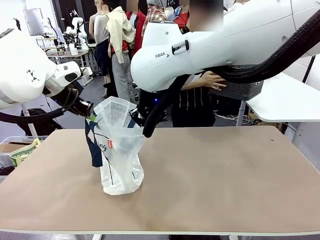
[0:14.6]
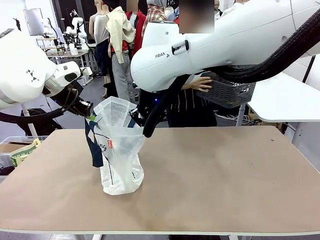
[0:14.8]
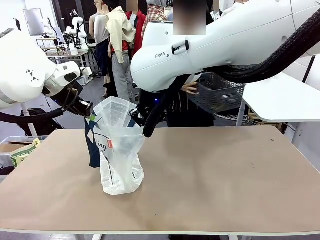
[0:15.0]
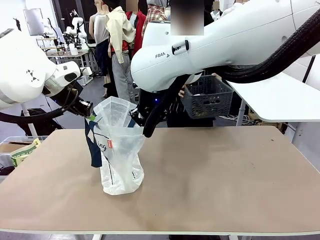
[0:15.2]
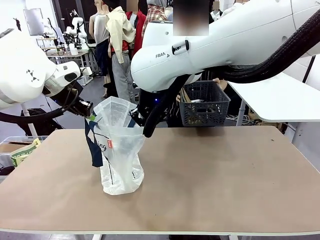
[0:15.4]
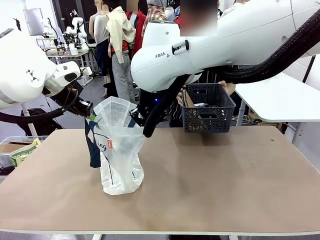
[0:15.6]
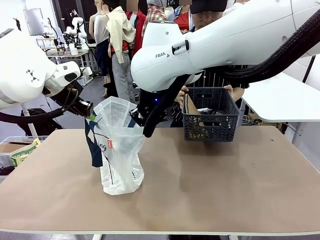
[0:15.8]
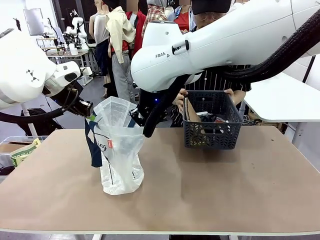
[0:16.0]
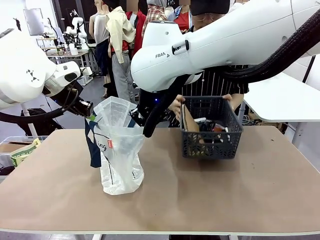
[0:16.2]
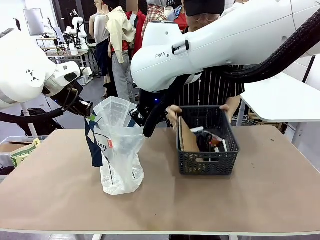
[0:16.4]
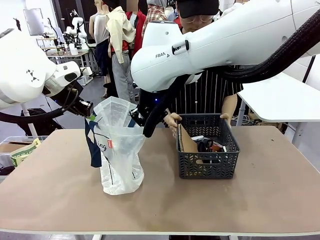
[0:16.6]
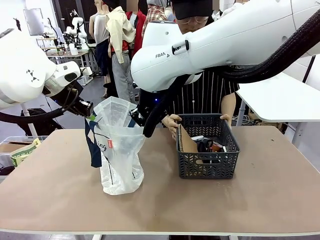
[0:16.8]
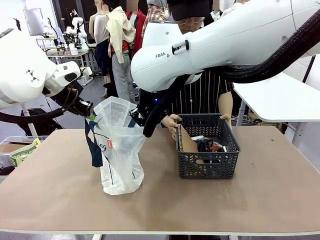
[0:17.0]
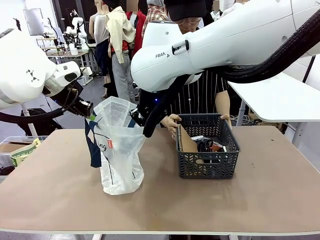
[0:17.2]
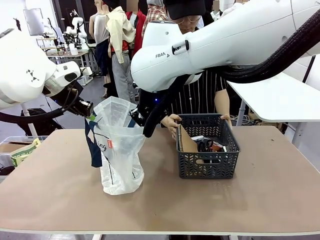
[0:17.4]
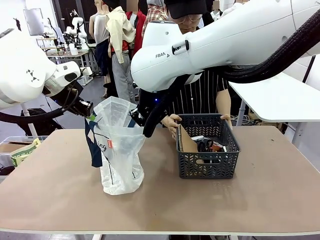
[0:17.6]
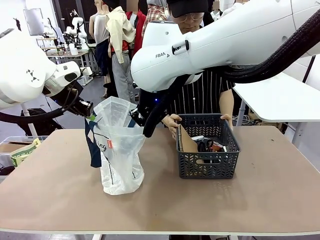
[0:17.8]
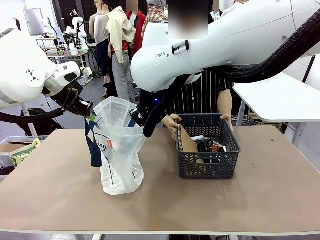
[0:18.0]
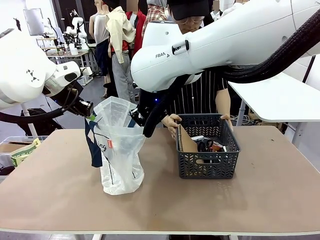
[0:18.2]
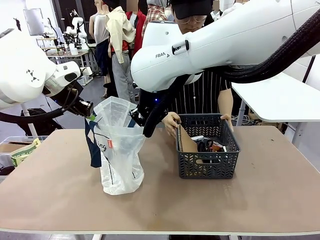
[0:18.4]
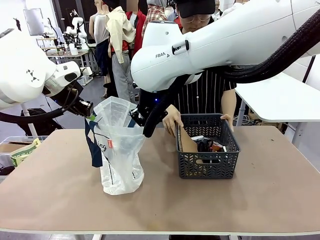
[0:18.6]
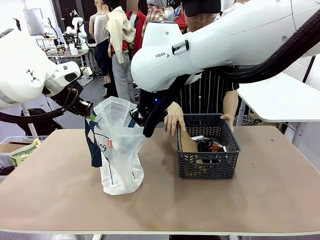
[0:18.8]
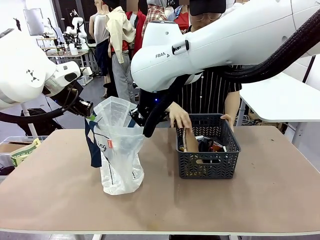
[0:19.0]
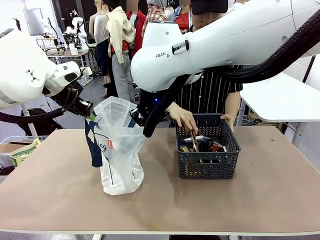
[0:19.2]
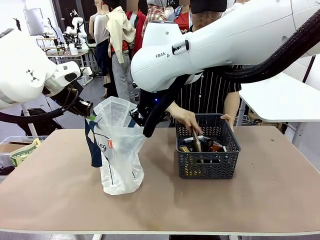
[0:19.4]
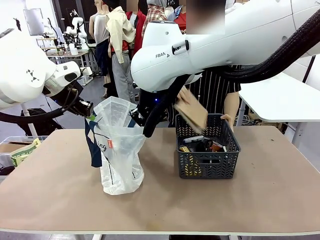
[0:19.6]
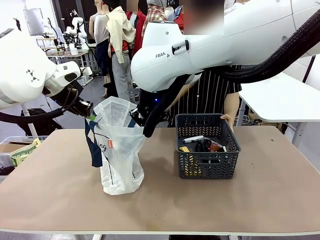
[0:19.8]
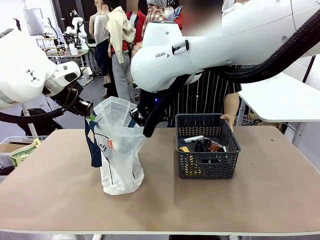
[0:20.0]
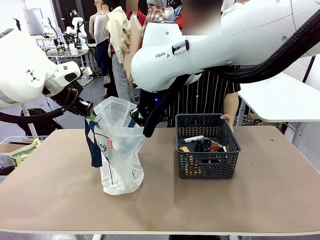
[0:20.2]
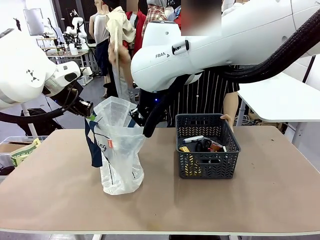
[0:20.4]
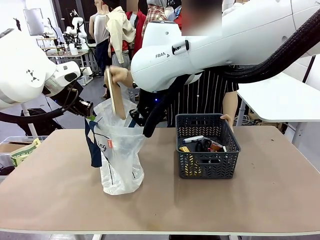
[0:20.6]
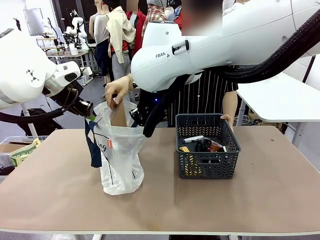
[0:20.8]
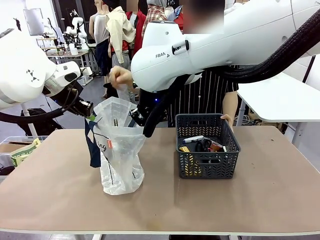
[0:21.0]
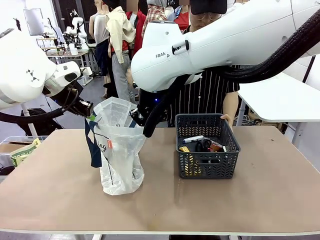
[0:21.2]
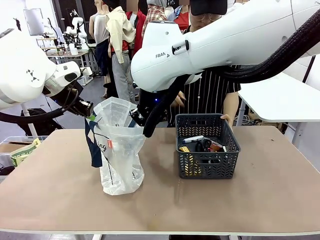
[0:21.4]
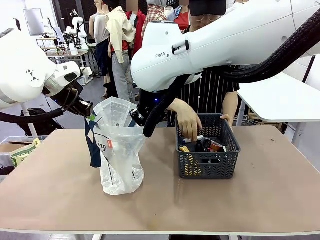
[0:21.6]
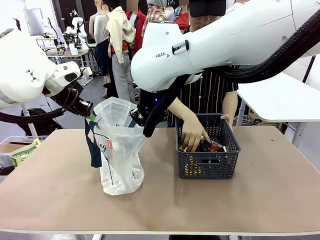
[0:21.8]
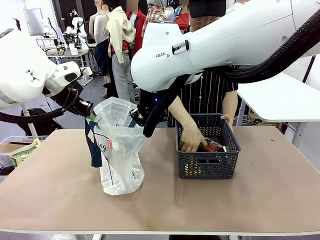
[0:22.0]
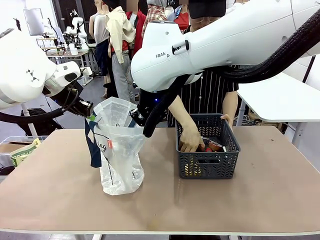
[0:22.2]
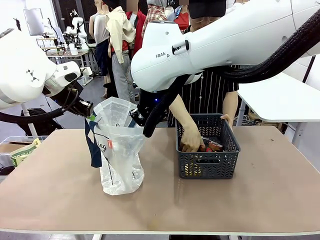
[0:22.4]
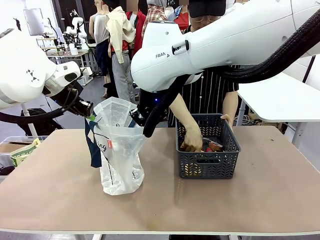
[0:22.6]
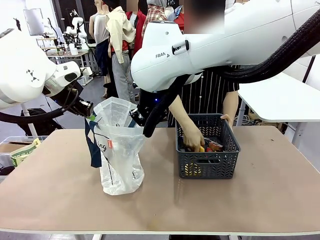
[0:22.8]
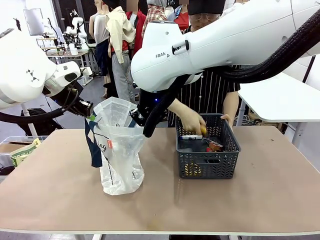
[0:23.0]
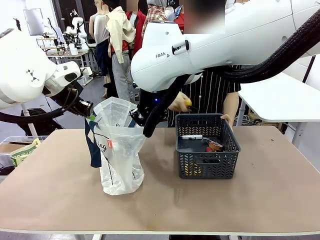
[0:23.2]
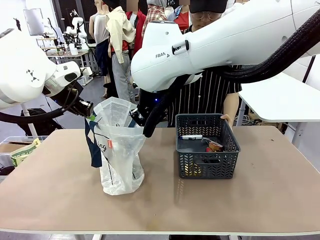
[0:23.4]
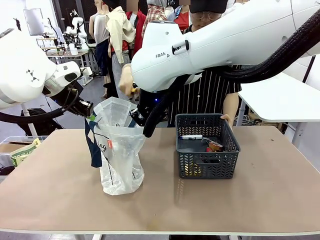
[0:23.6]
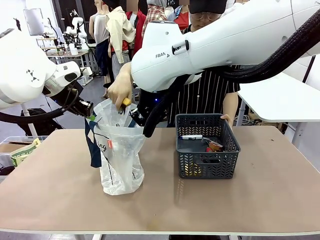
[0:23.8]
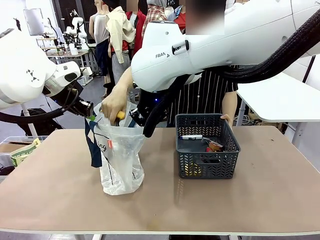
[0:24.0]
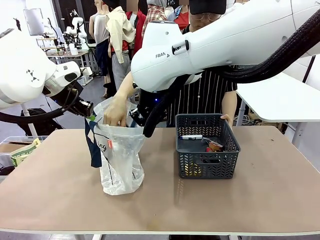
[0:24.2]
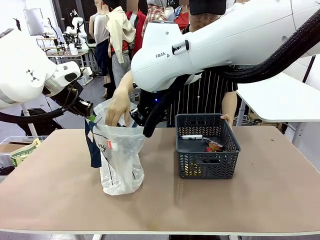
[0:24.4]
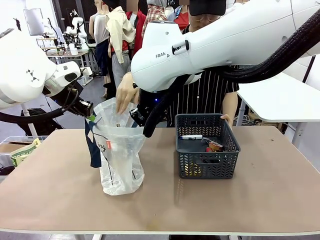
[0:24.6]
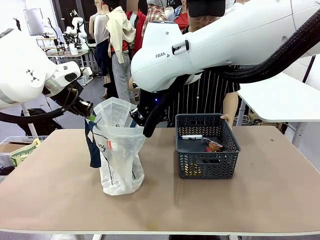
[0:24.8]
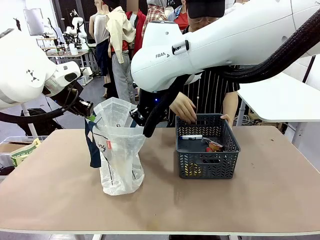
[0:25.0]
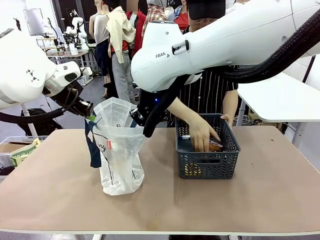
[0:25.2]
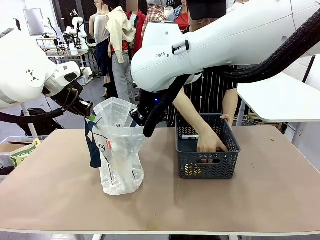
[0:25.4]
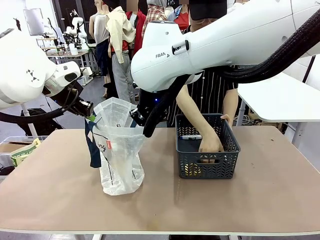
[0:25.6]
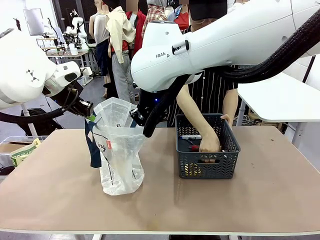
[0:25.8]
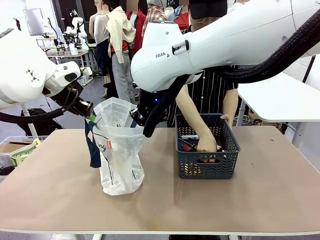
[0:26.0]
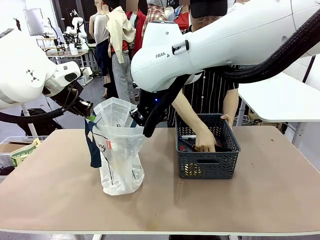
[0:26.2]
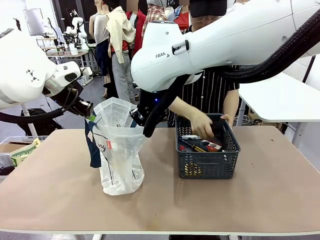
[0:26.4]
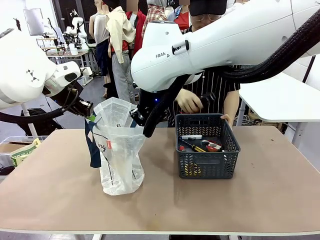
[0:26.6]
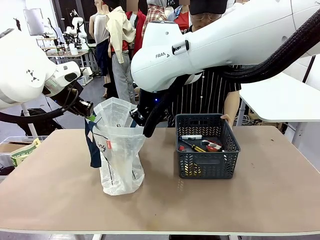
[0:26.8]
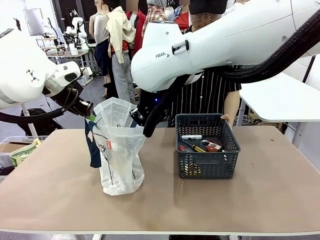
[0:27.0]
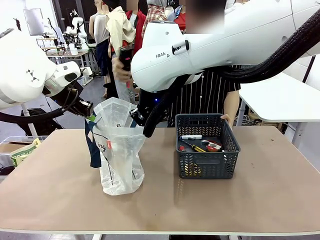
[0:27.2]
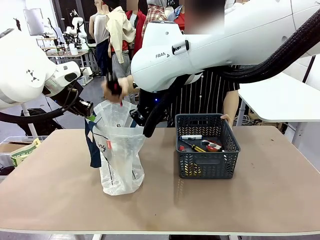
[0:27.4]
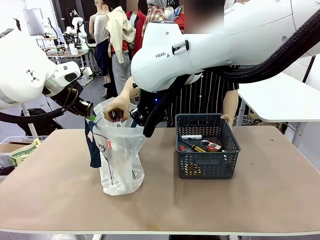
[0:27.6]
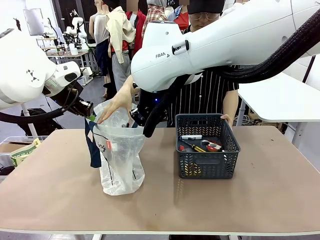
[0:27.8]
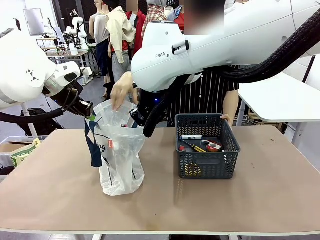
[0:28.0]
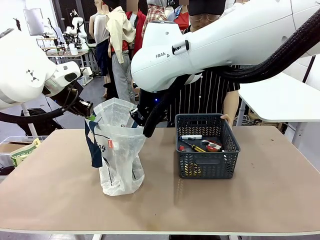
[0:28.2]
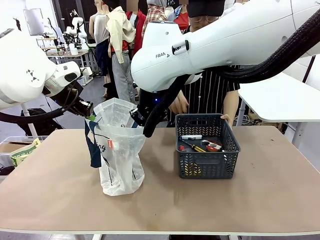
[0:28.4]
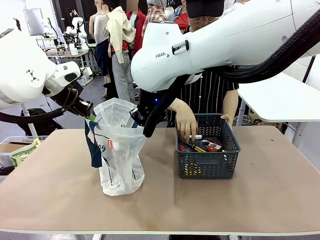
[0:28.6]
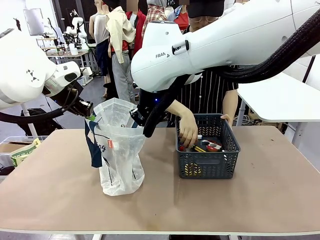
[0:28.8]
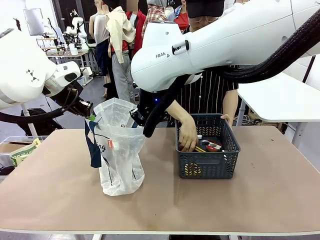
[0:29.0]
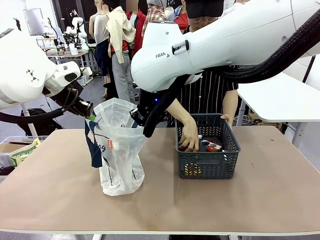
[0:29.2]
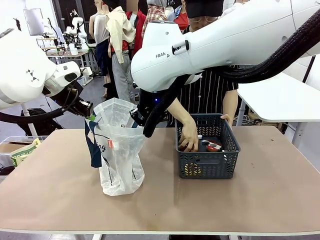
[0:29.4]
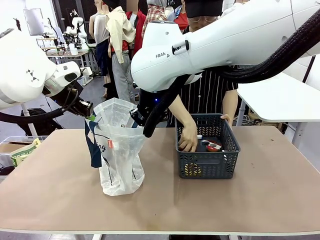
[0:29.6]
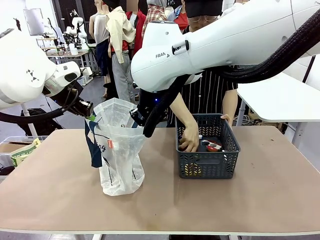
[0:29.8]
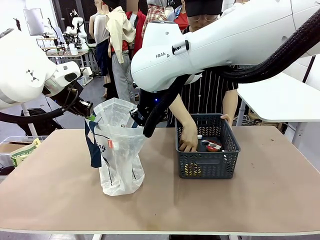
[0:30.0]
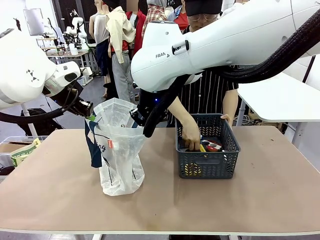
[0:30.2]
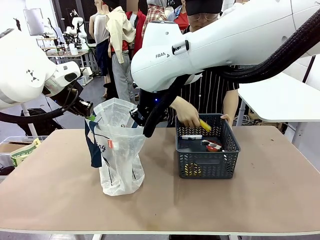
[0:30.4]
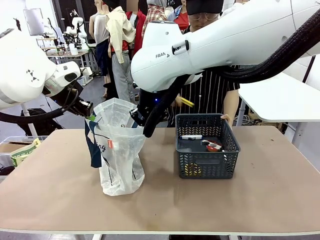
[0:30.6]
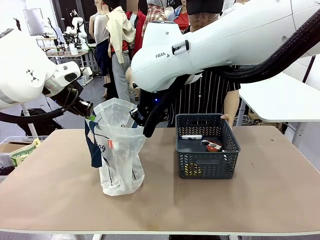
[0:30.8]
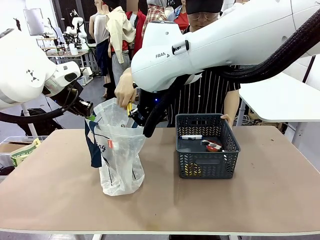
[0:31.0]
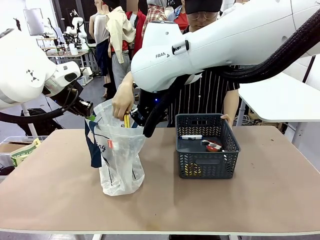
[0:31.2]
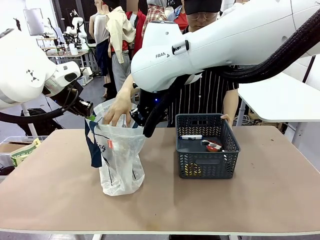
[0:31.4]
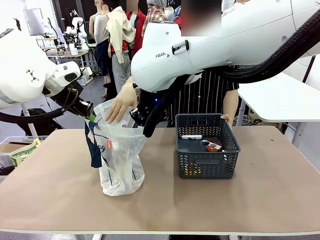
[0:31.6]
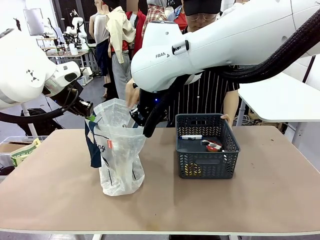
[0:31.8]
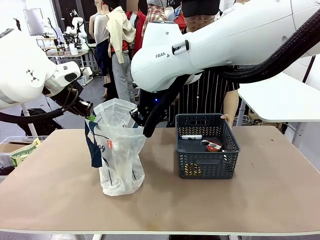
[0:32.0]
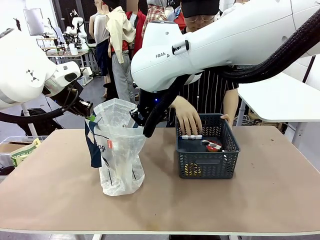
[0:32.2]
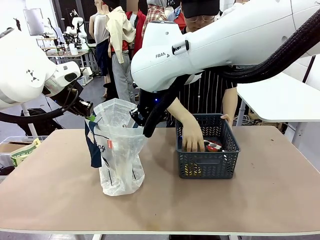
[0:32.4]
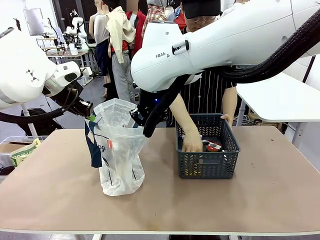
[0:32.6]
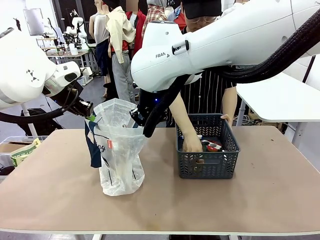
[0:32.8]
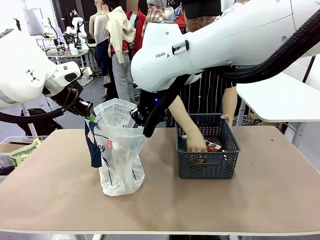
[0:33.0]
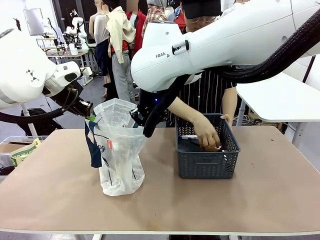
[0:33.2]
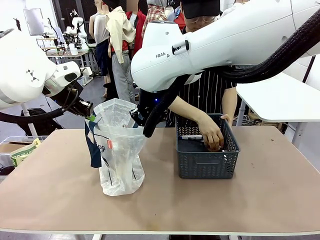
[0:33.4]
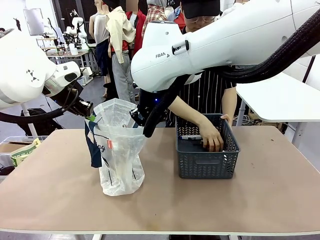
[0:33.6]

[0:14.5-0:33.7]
Task: Transfer purchased items from the store into the shopping bag.
Robot: Move the Reusable shopping bag to the right side of the table.
Person: Pick up the basket with the items out and place it on the right side of the human table.
